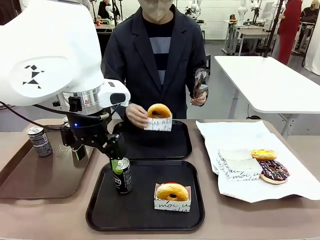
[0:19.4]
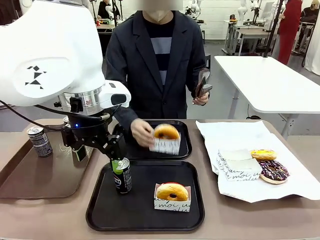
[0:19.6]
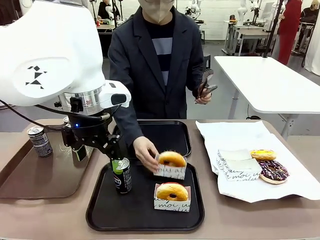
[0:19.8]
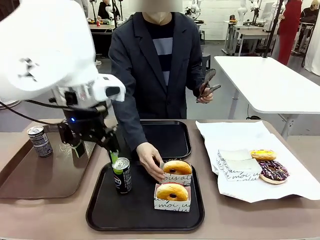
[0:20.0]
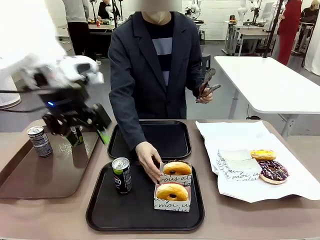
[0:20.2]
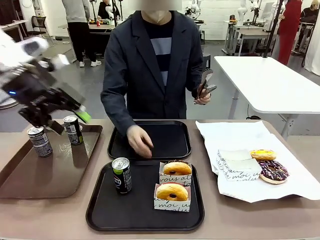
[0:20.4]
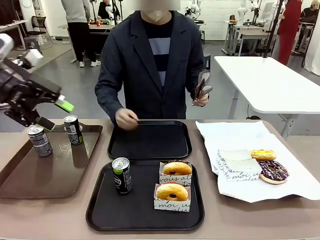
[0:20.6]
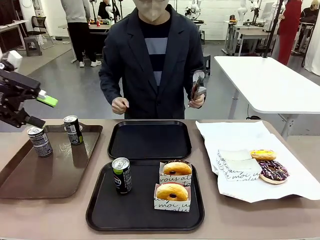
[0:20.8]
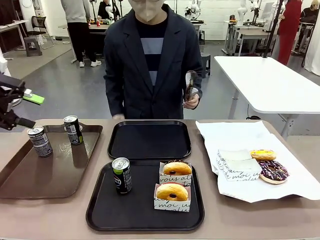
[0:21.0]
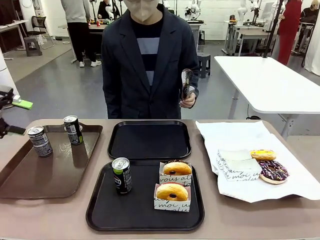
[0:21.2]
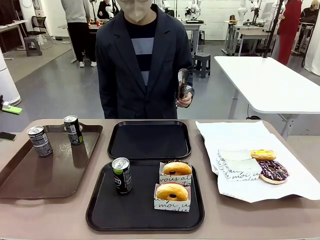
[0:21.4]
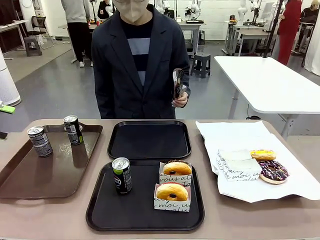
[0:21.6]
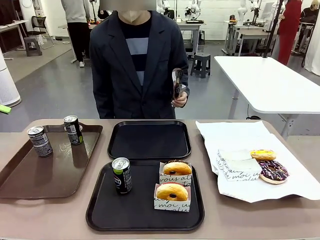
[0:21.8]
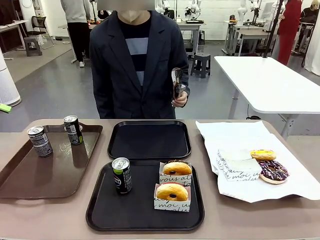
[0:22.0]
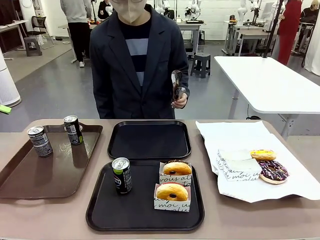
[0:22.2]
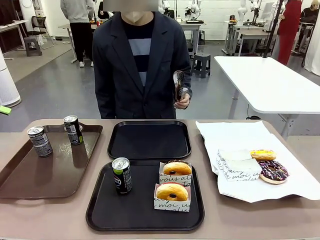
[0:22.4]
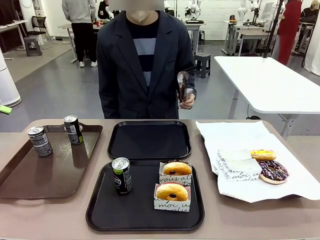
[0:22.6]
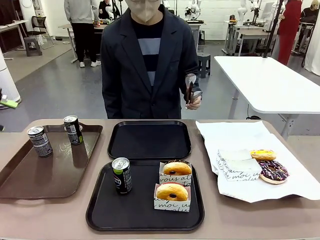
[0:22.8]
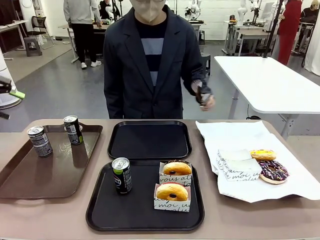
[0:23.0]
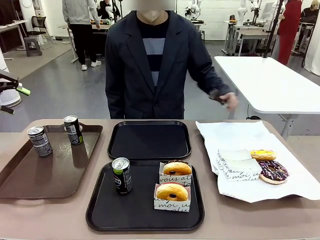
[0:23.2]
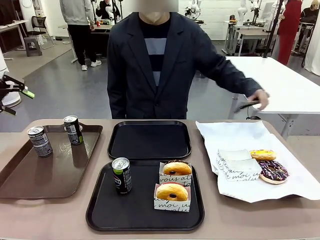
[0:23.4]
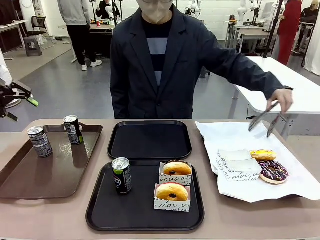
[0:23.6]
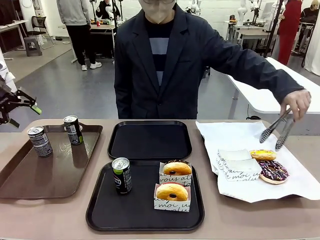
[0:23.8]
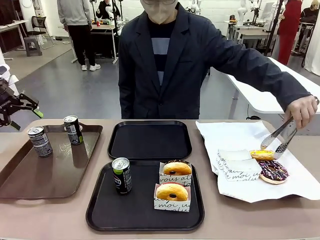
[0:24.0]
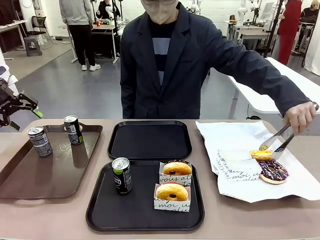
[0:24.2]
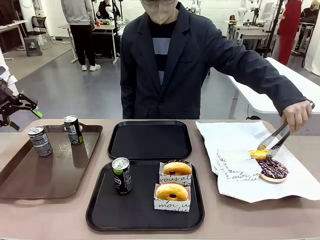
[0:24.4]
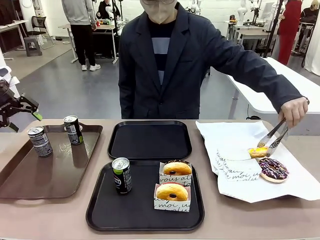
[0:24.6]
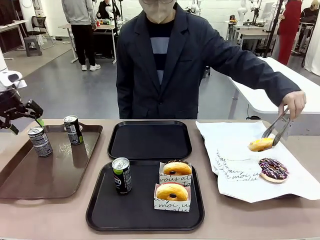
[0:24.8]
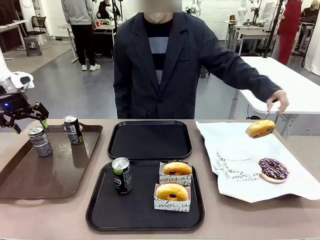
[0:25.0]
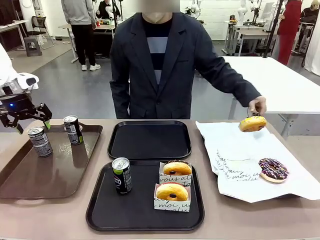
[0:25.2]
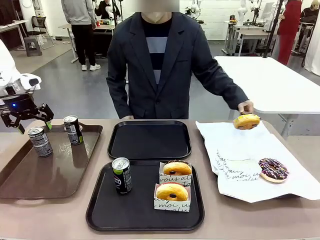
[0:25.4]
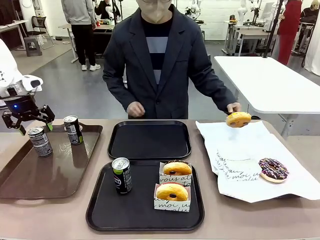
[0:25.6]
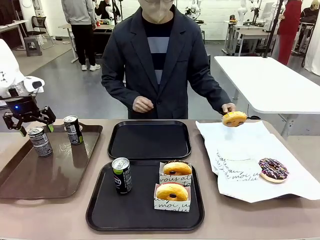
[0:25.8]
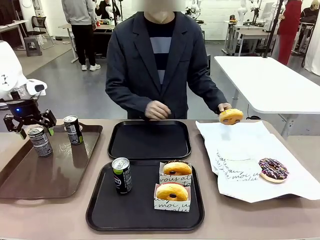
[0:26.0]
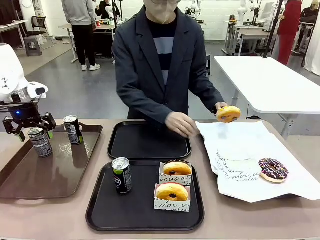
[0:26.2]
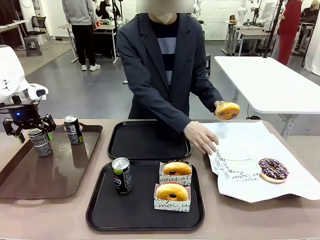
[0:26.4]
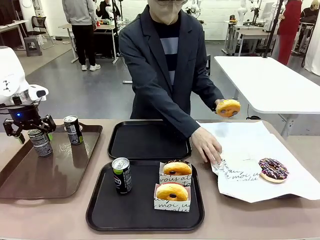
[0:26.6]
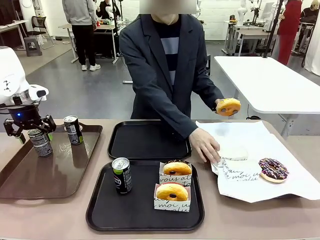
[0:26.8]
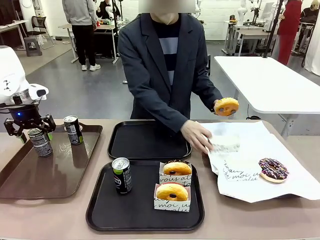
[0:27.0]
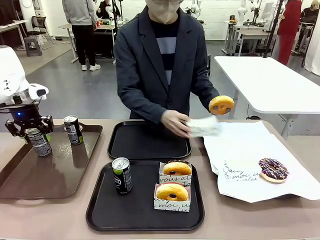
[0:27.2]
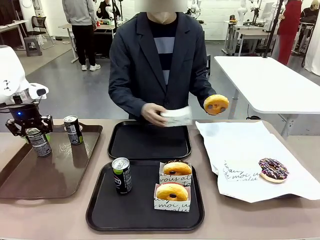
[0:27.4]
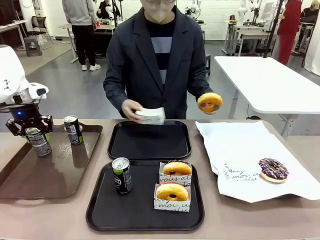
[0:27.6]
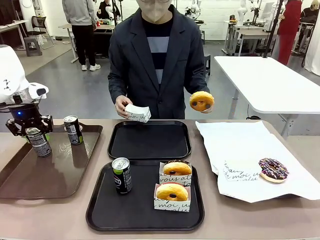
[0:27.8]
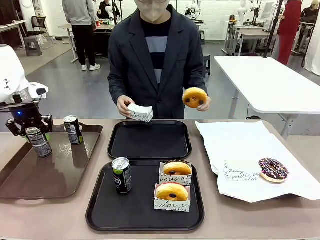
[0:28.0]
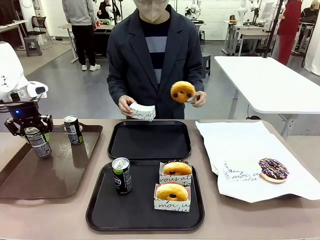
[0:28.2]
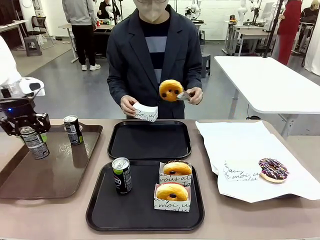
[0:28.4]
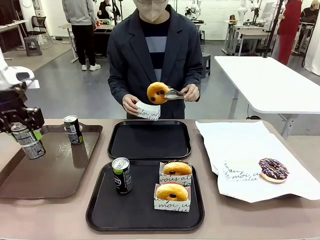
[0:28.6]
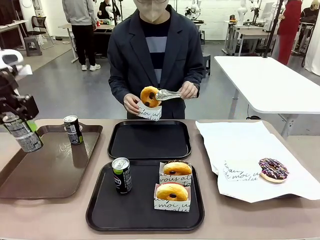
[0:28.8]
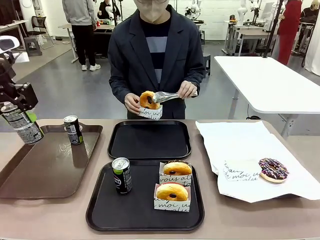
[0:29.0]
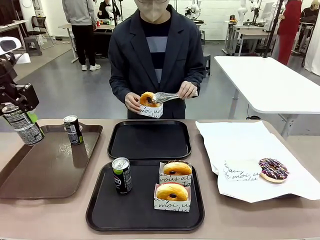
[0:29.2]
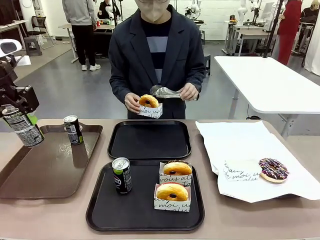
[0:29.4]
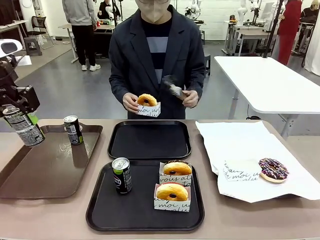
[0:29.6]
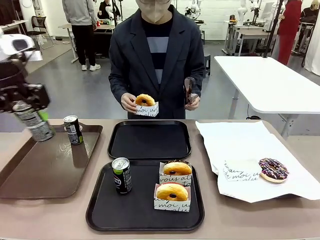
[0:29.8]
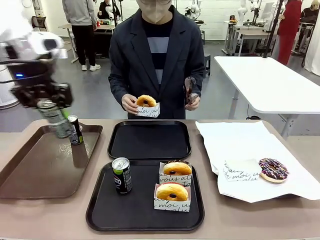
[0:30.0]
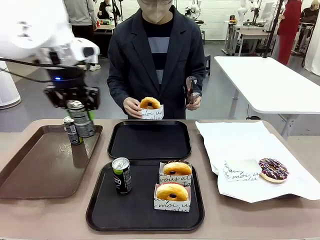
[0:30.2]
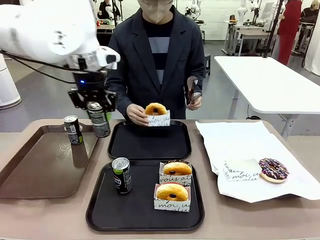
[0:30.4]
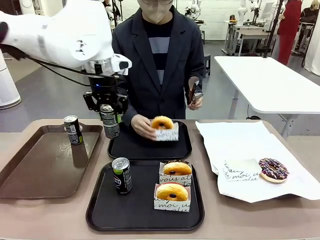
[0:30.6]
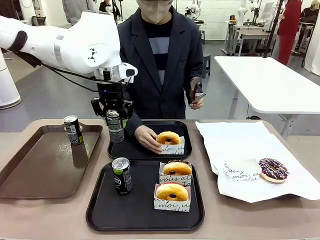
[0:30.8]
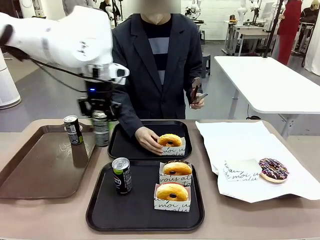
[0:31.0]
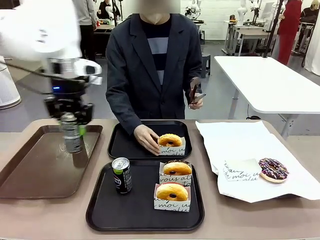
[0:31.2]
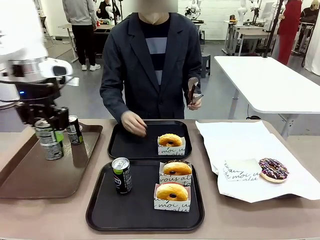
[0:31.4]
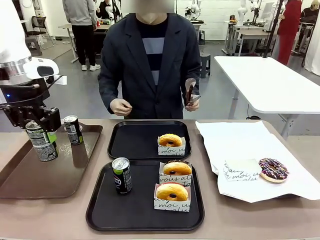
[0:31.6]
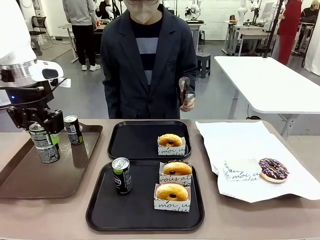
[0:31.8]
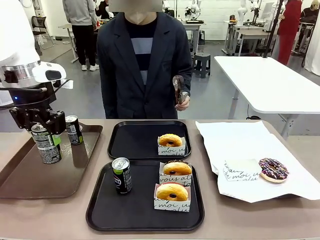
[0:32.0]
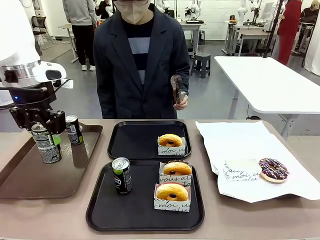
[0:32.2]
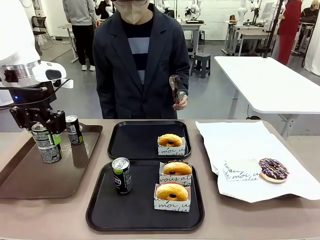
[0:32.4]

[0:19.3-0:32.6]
Task: Set up donuts and drinks on trays.
Robot: Pick up one Pepsi coke from the Handle tray and place it on the Flat Tray without a Pepsi coke.
